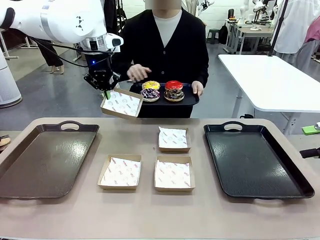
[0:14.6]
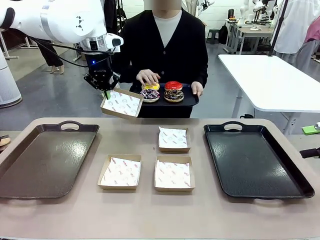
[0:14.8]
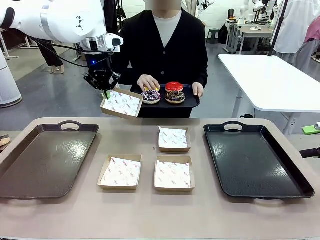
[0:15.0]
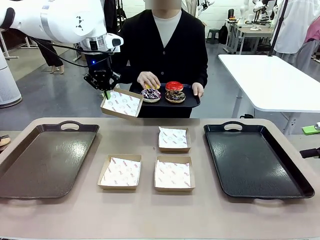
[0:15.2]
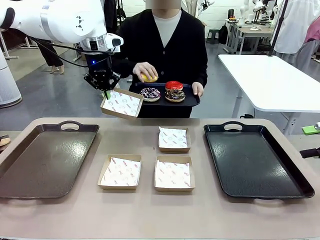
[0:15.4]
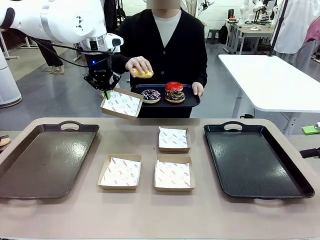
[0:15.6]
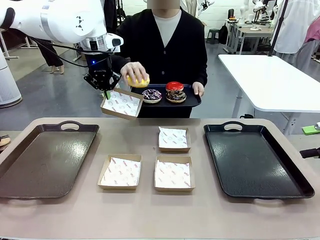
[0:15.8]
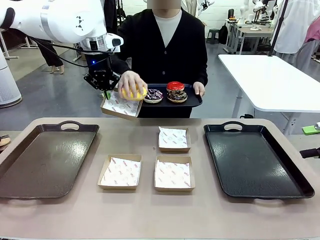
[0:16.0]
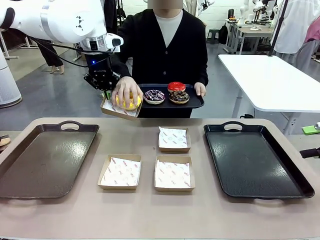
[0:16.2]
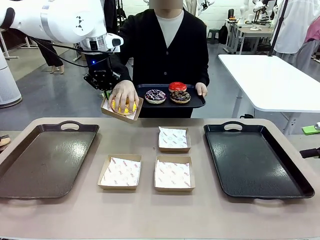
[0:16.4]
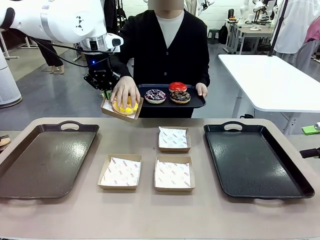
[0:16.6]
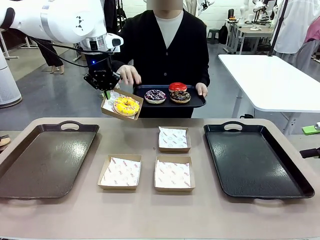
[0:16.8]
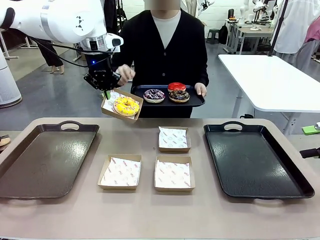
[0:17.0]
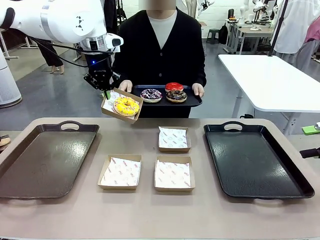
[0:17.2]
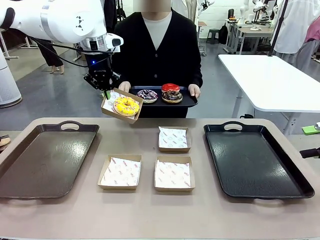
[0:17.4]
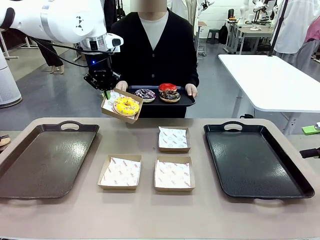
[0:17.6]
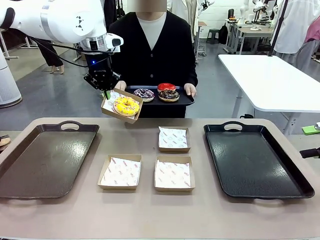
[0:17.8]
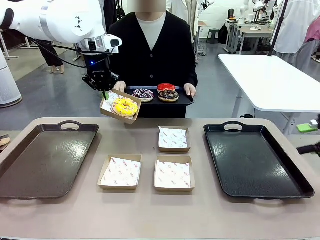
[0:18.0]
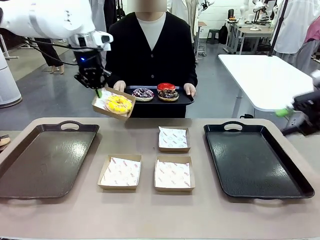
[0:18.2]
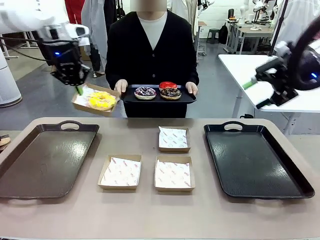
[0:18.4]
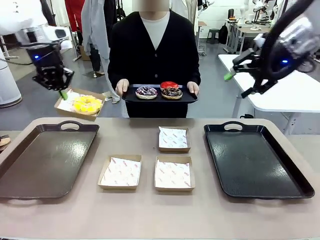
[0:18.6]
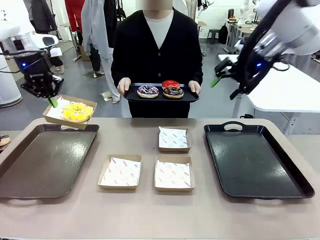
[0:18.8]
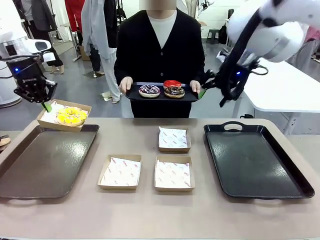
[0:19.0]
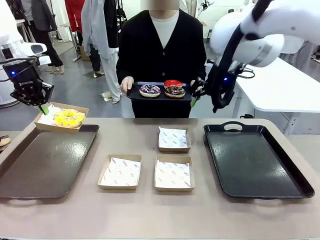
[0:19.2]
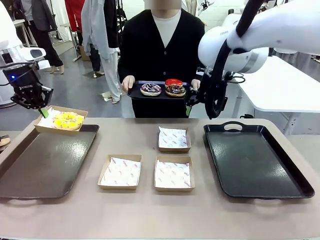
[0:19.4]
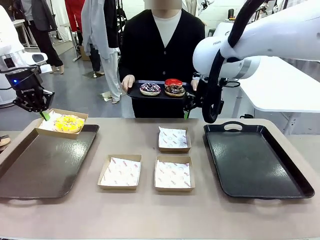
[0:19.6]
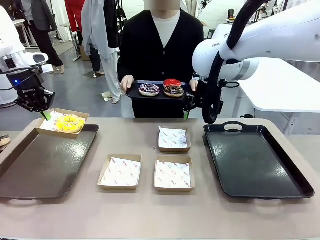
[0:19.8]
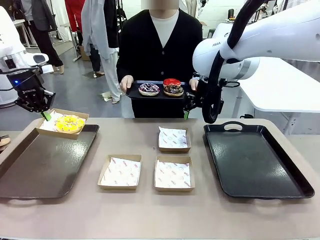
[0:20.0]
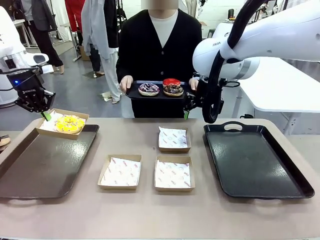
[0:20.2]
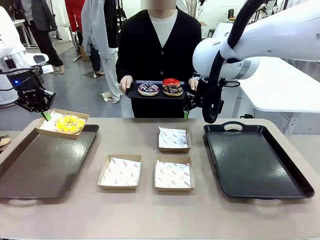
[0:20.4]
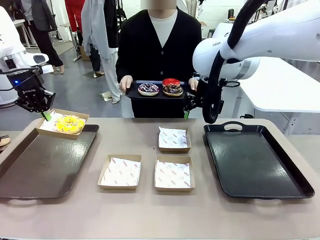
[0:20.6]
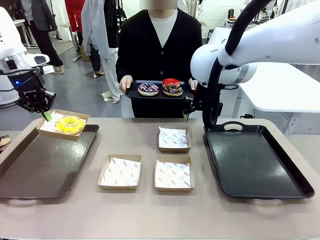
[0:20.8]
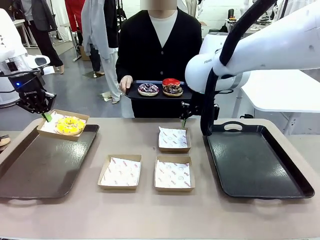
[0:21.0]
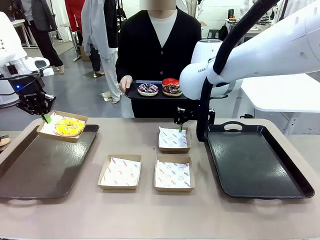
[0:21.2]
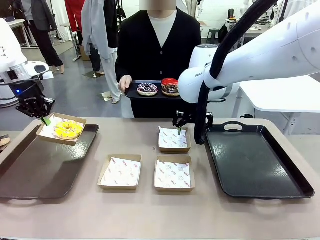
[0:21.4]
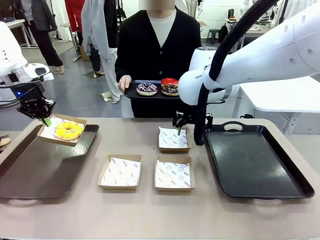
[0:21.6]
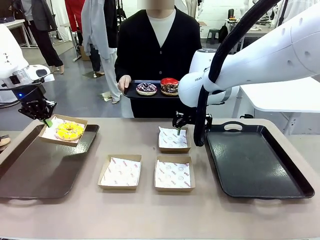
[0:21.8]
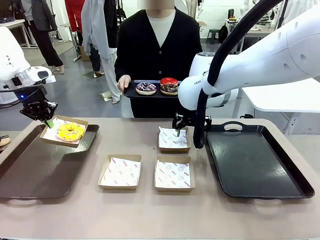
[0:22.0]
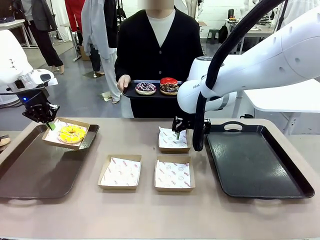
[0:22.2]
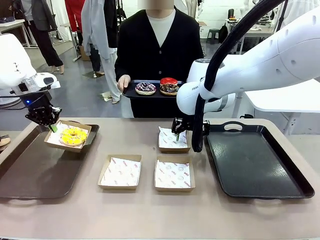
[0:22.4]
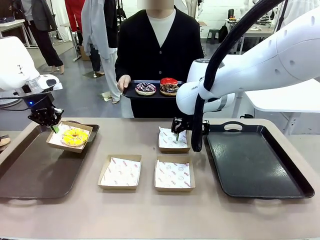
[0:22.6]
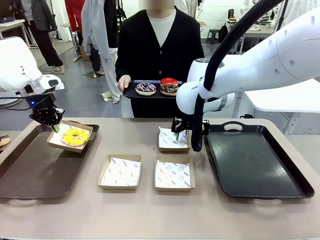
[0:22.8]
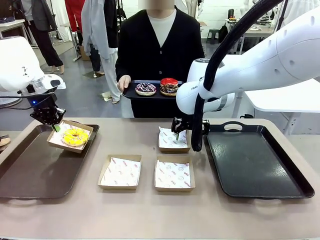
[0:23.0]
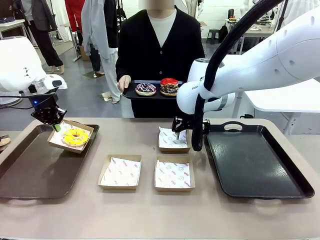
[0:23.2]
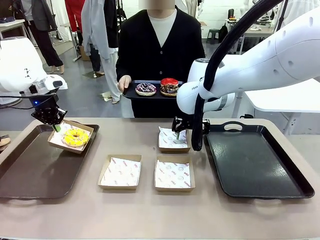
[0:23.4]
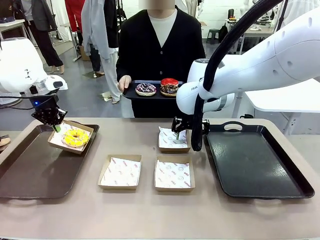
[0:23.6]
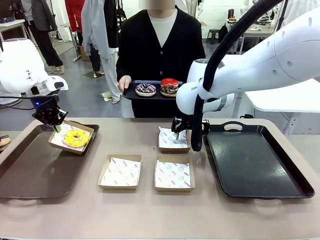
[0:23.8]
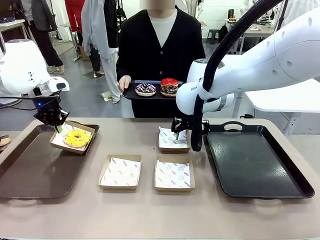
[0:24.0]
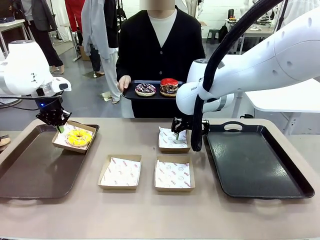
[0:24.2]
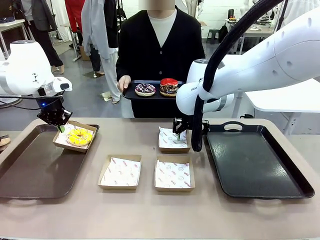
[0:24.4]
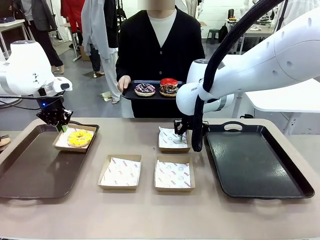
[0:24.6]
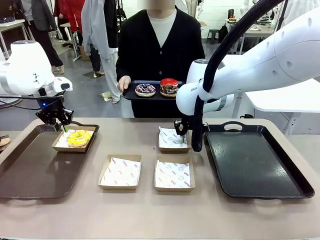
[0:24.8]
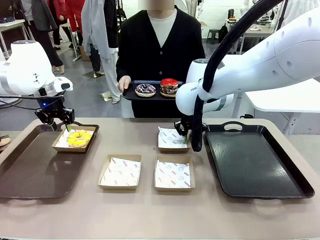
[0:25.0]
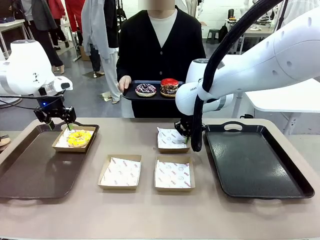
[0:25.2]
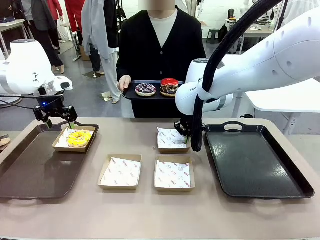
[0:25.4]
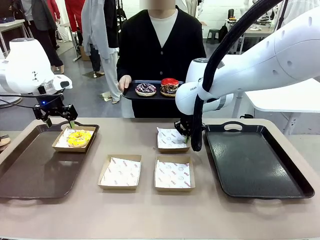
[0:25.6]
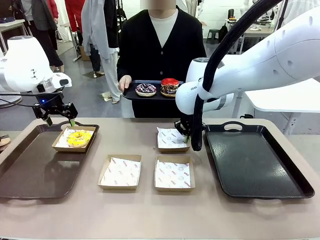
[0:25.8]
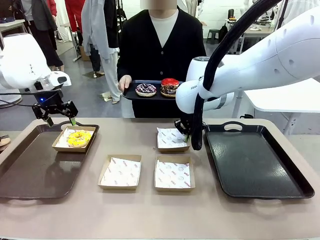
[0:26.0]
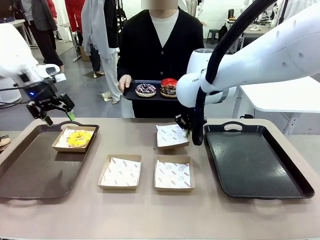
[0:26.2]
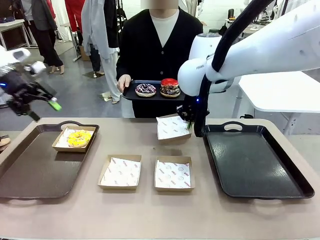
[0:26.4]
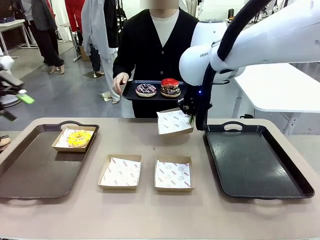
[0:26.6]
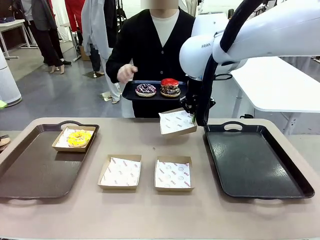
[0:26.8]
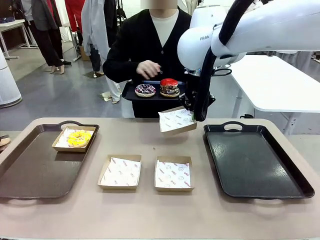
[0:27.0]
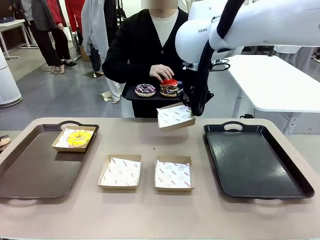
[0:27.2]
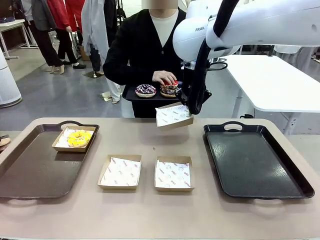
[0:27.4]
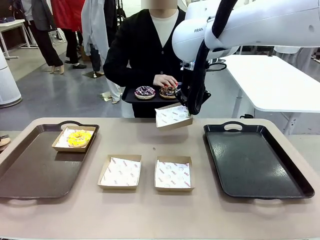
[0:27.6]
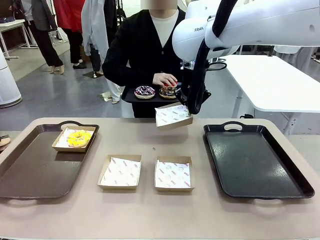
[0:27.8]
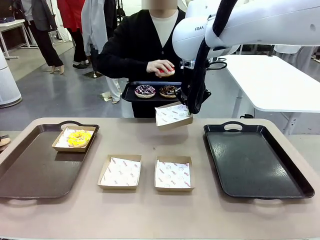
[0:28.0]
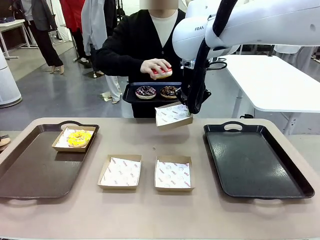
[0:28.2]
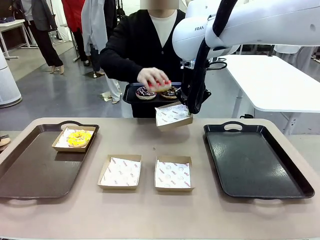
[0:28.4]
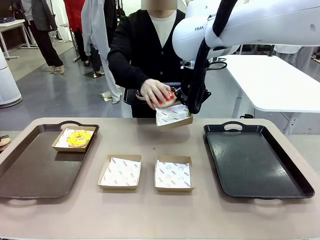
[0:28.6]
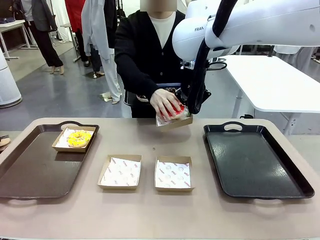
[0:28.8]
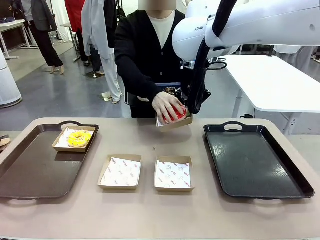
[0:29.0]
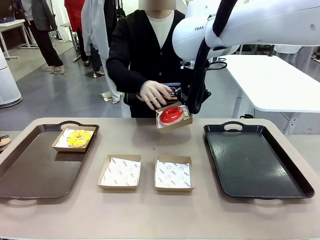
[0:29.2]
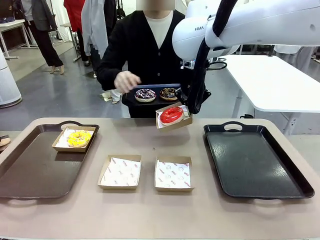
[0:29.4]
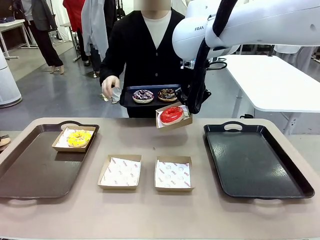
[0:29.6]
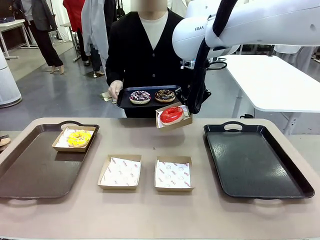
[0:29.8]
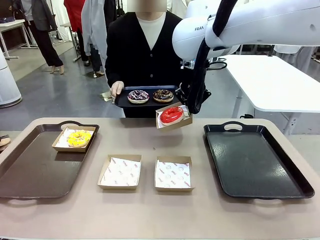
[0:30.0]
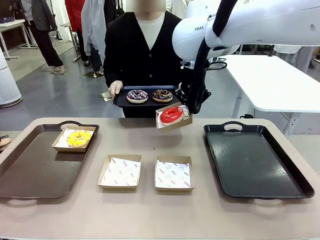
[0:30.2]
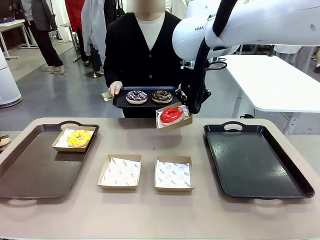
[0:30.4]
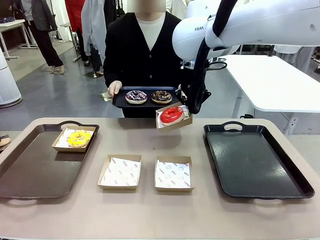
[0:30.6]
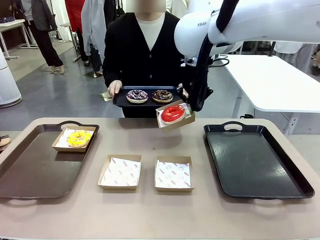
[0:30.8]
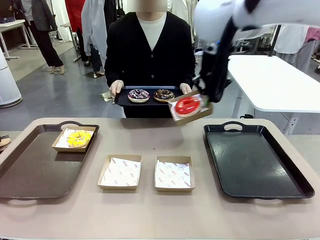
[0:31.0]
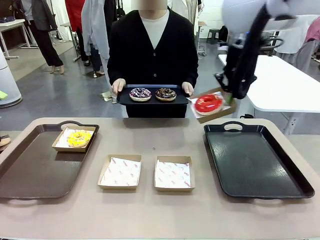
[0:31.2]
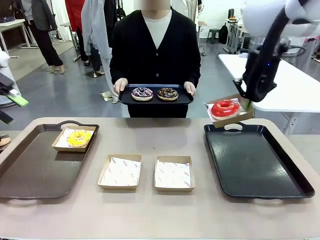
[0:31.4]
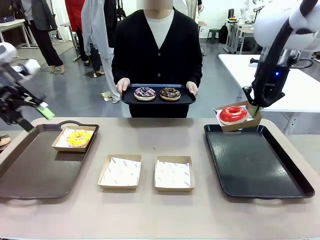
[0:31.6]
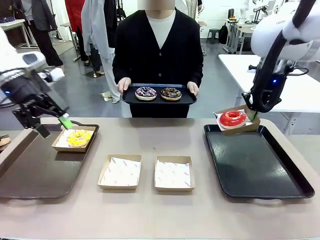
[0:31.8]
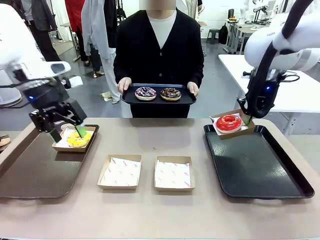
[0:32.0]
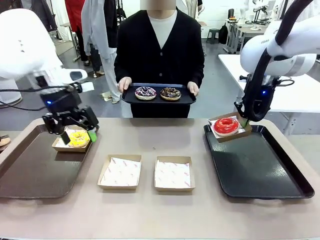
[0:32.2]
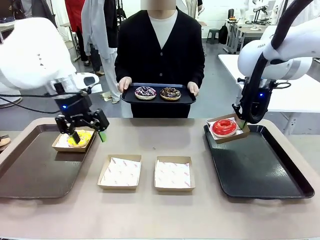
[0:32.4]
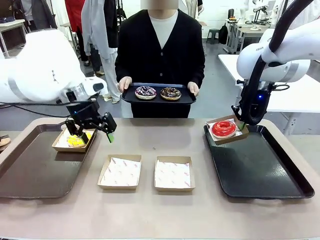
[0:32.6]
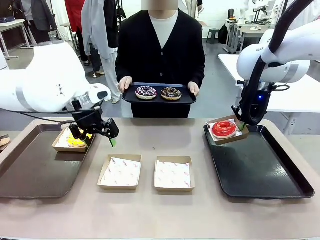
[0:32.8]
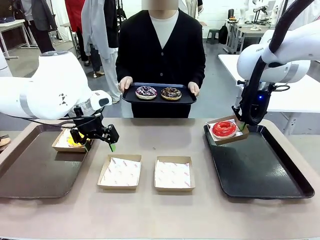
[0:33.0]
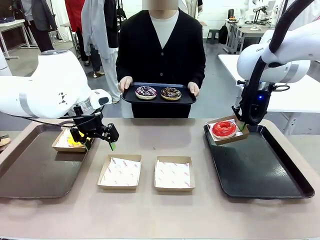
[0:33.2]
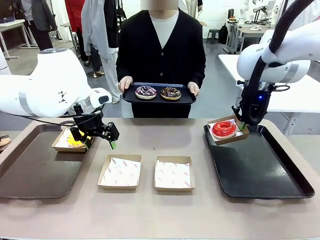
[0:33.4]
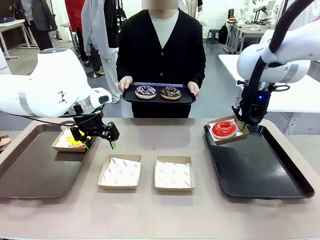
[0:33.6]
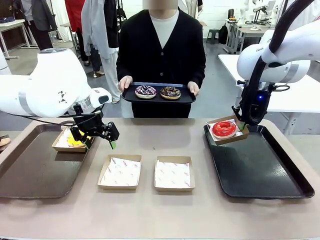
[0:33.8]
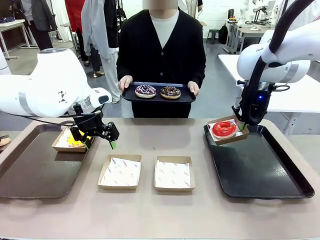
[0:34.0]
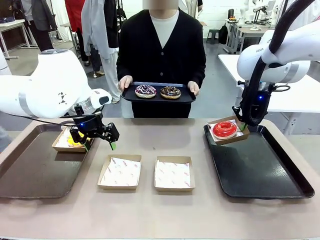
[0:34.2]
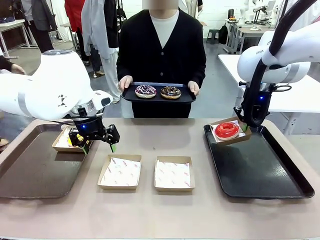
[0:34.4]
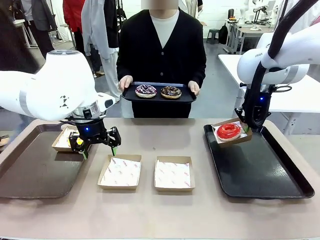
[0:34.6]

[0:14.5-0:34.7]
Task: Individually package the donuts and arrange them on the tray.
Robot: Place the picked Paper togo box on the Handle tray while simultaneously picking up another Paper togo box from the table with the other hand.
